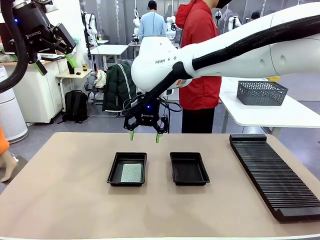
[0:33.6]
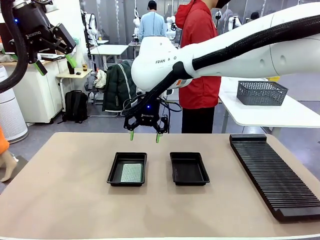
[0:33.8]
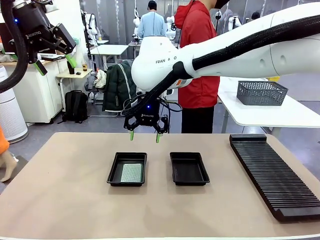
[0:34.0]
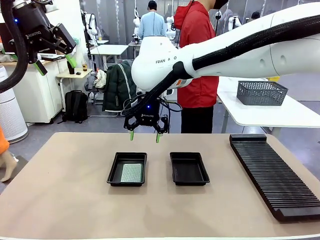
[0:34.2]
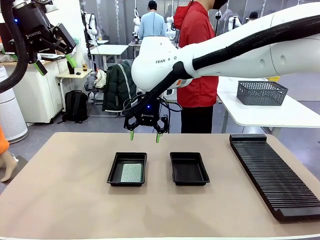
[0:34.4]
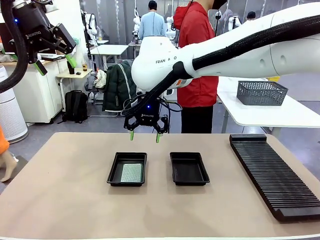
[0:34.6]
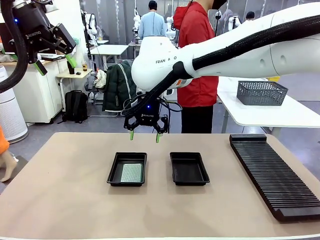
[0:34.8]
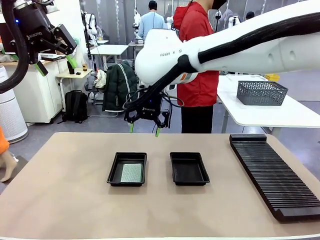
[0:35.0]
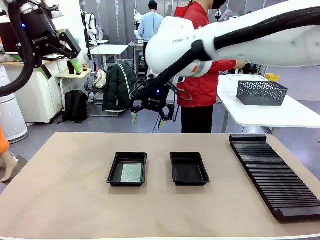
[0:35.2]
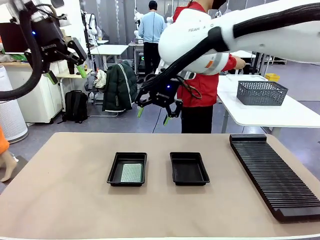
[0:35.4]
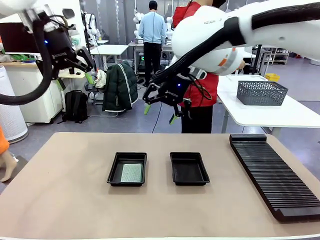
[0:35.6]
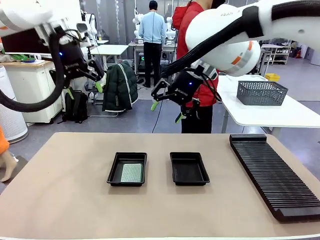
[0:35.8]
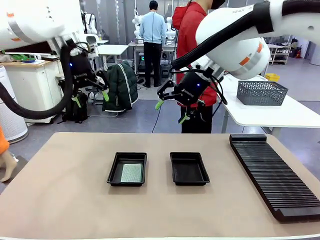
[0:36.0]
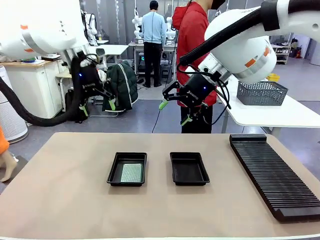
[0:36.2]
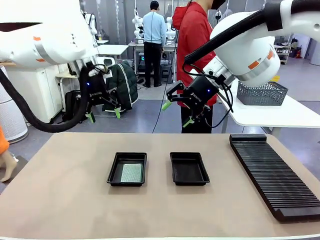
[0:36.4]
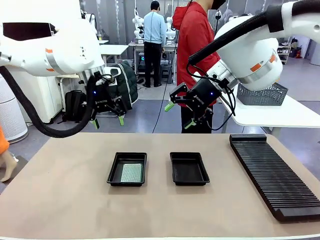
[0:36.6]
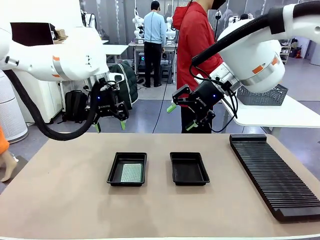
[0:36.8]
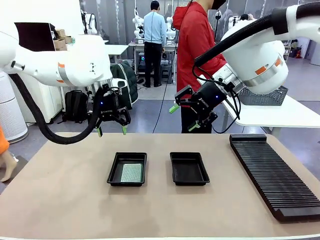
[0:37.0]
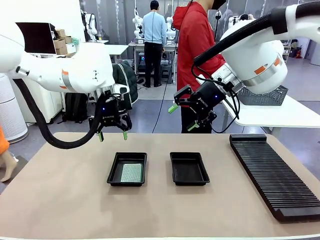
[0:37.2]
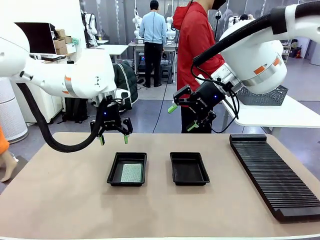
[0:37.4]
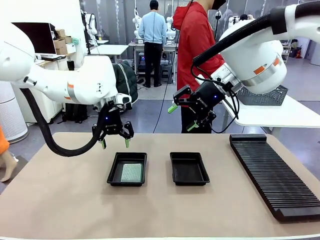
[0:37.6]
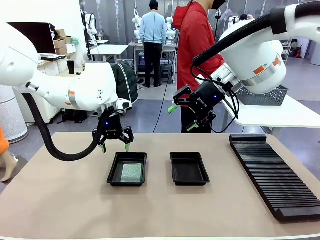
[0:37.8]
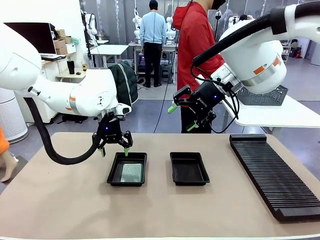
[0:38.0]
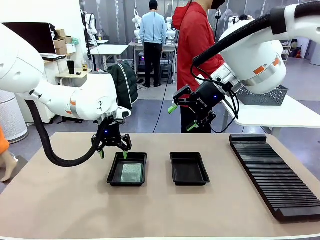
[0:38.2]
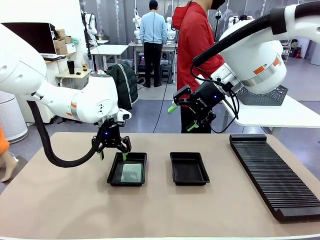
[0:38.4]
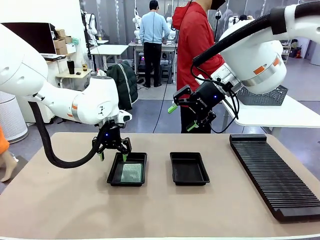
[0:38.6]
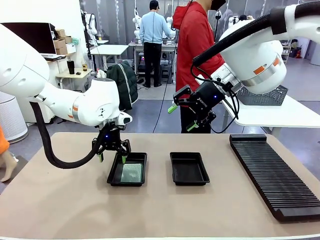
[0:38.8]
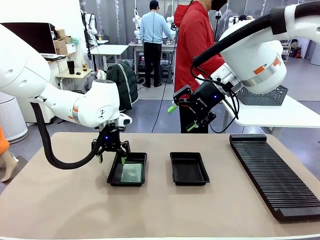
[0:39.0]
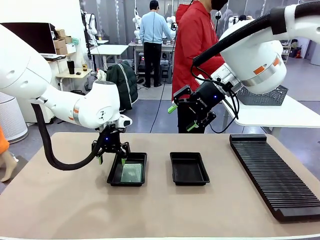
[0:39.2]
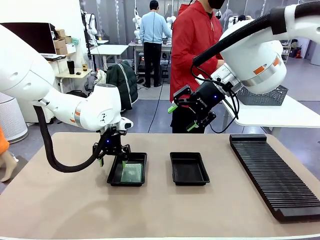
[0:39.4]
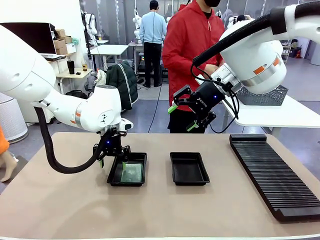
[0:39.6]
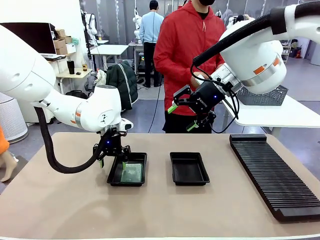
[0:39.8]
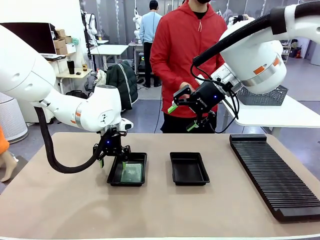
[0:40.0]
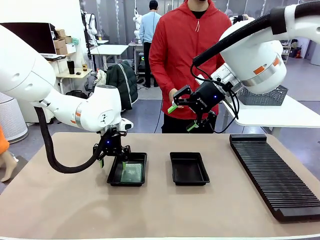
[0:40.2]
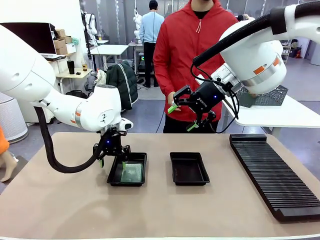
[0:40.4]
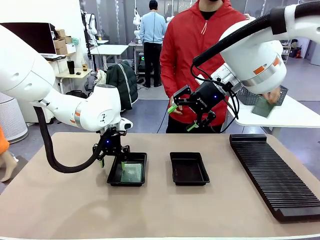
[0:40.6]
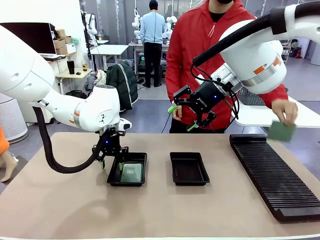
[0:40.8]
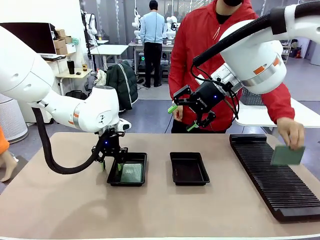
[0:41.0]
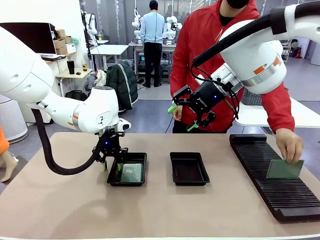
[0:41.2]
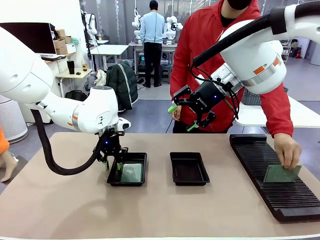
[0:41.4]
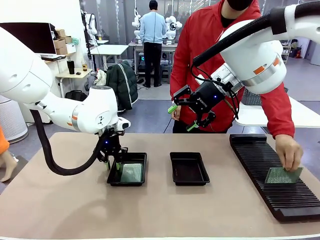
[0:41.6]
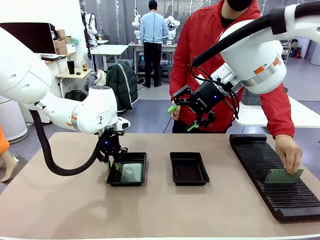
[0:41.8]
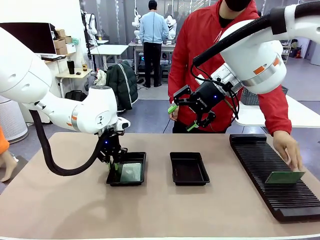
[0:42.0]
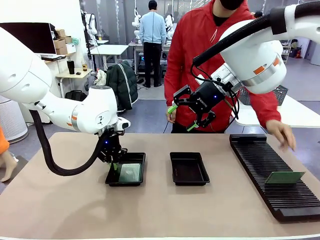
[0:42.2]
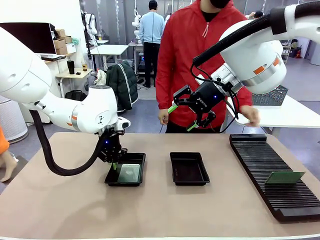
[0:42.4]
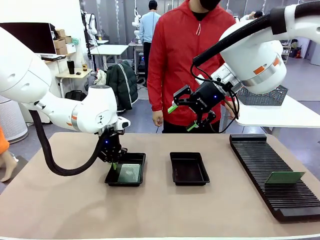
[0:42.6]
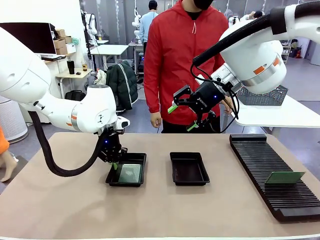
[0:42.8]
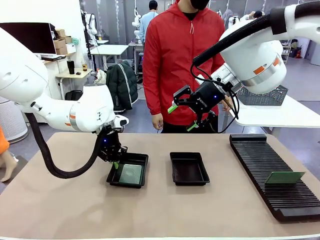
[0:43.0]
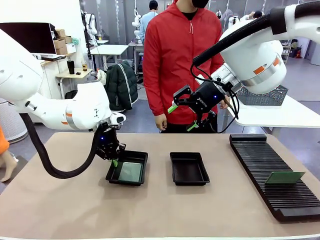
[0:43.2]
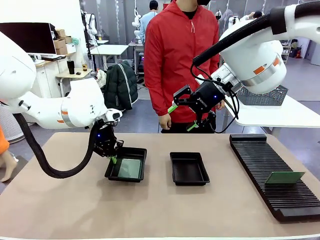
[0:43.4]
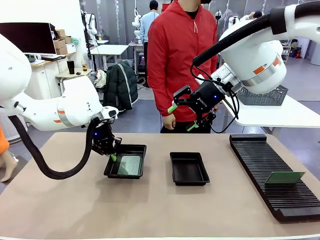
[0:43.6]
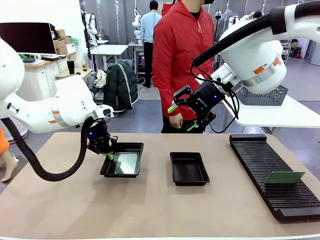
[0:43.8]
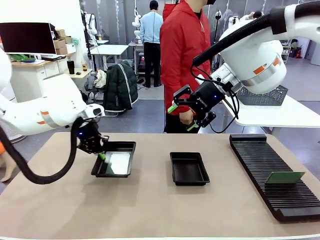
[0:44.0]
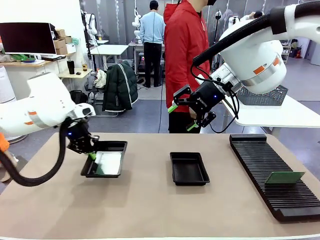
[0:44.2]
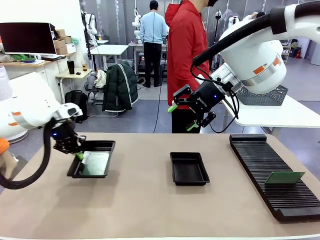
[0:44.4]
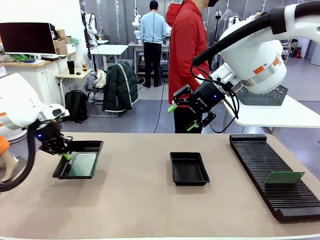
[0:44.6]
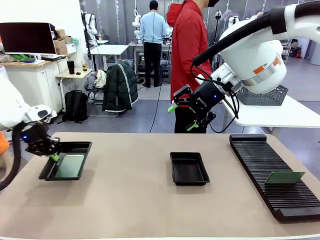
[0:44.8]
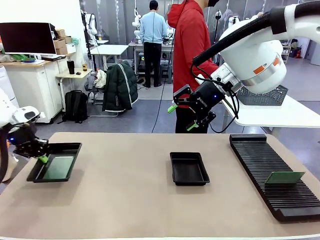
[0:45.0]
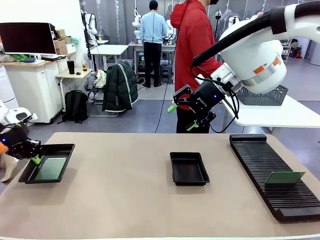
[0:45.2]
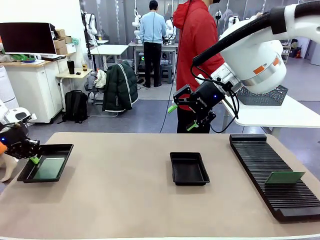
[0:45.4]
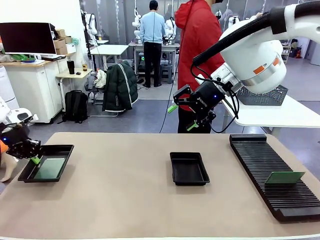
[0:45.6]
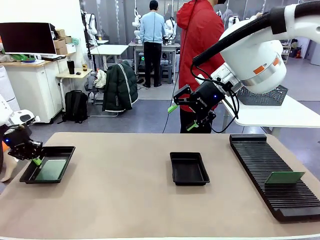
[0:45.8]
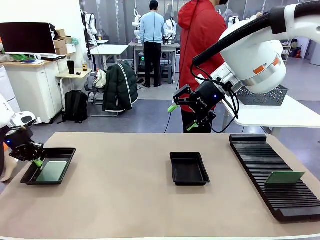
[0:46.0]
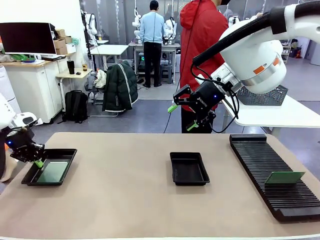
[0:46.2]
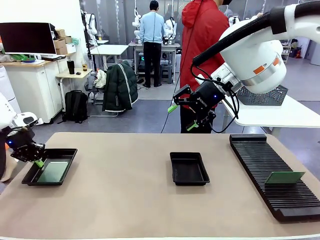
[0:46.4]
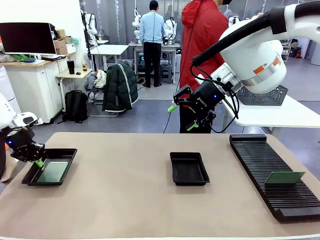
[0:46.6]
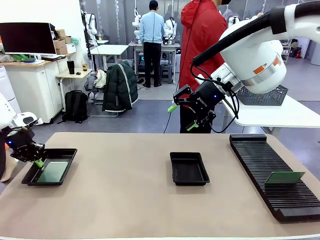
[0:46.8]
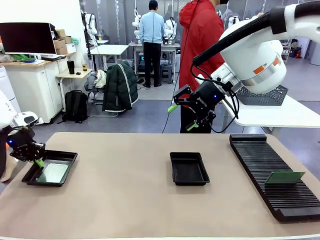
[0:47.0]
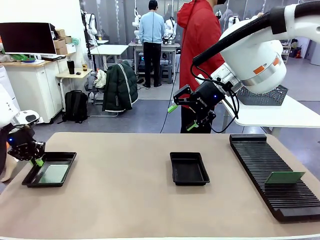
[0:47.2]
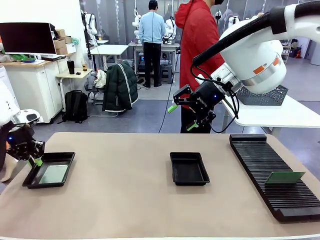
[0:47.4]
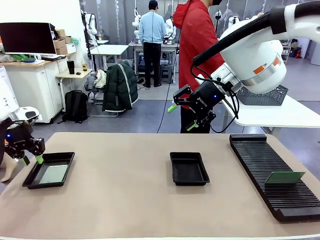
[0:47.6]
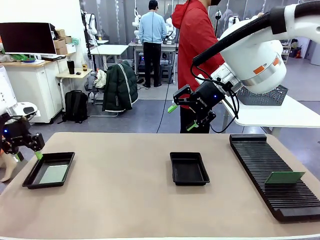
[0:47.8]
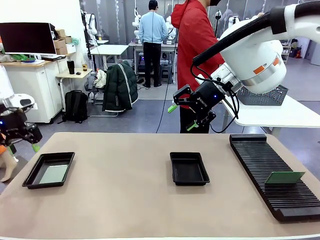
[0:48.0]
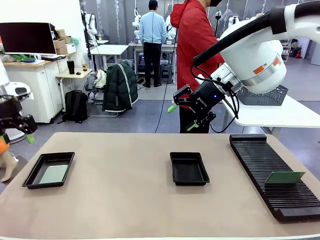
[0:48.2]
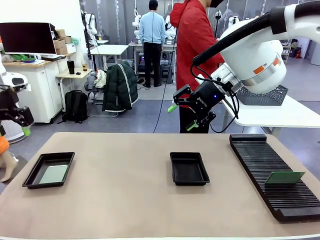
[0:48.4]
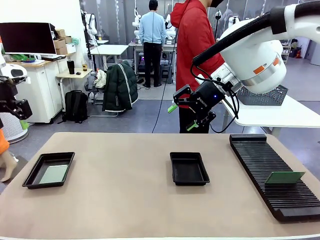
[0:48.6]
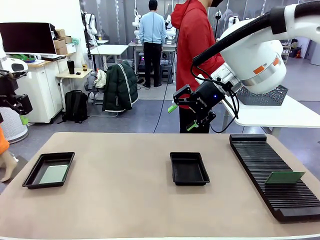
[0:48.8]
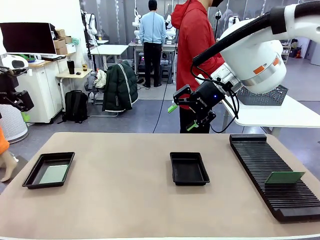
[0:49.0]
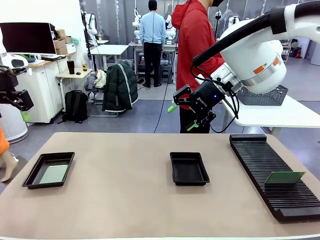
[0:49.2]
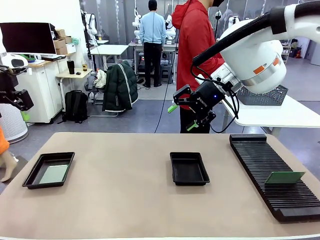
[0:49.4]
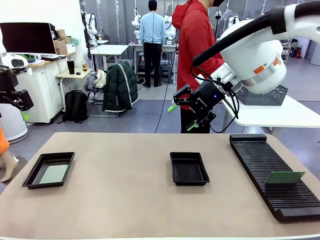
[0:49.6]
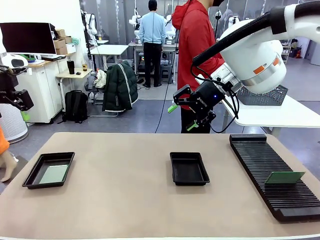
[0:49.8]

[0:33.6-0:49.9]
Task: Inspect and transfer BCBs to ESD trays.
Robot: Pick up the ESD tray and place it on the left side of the table.
